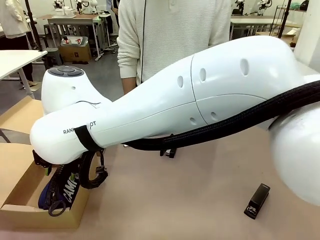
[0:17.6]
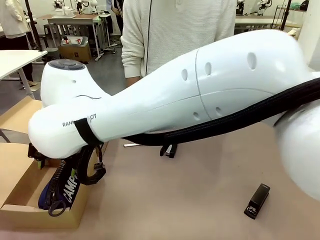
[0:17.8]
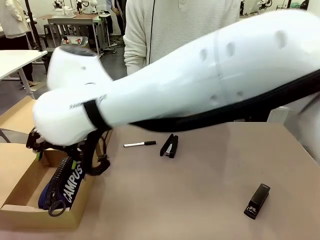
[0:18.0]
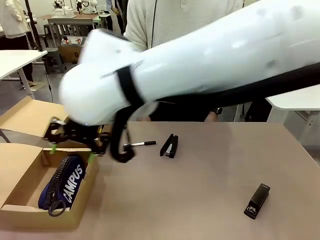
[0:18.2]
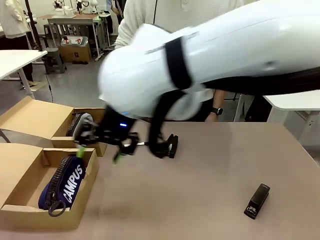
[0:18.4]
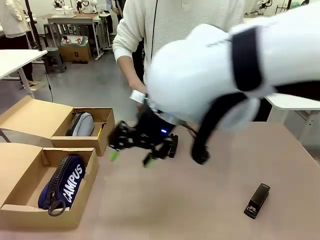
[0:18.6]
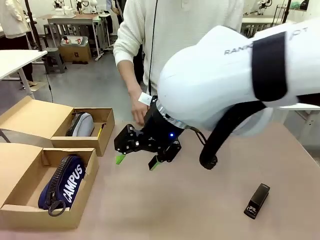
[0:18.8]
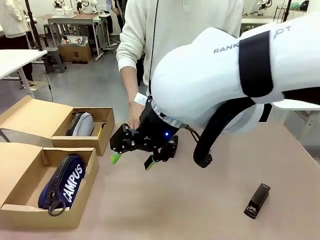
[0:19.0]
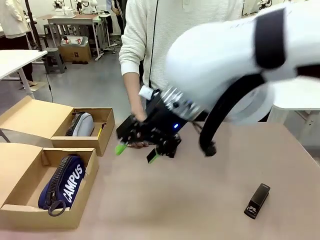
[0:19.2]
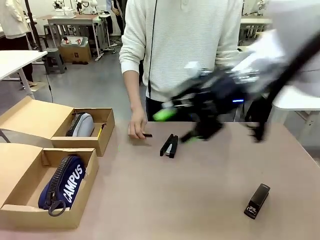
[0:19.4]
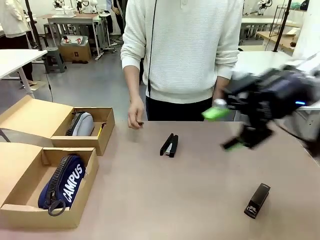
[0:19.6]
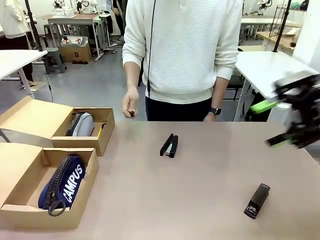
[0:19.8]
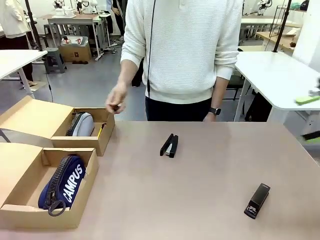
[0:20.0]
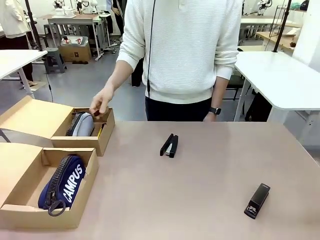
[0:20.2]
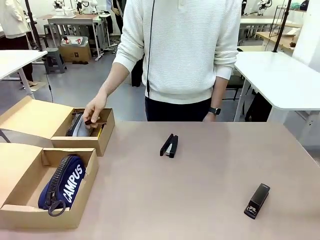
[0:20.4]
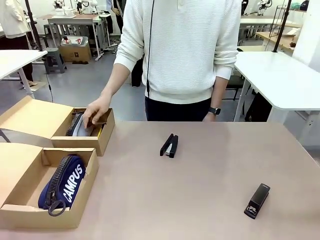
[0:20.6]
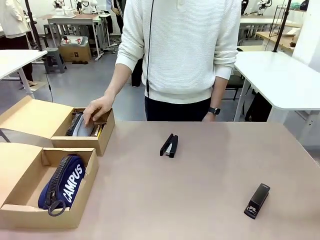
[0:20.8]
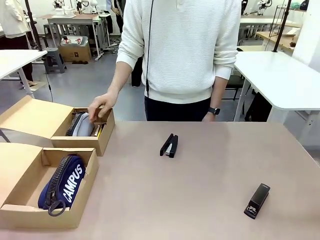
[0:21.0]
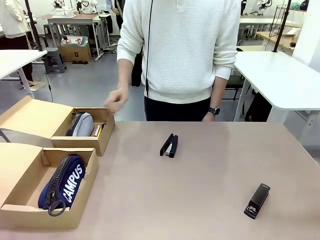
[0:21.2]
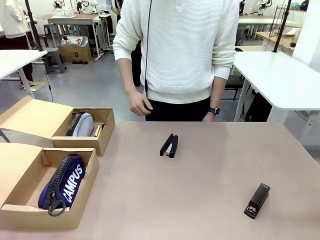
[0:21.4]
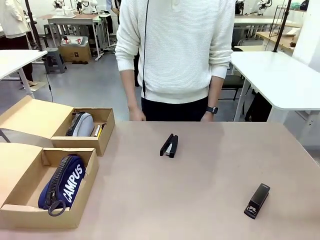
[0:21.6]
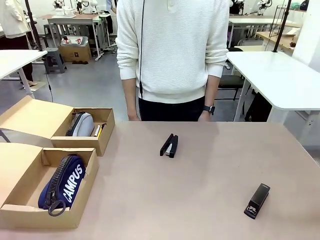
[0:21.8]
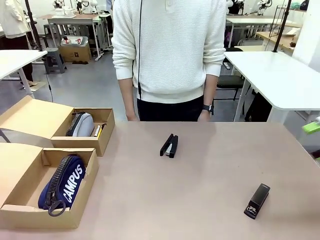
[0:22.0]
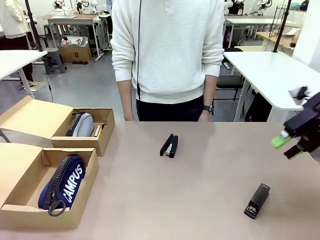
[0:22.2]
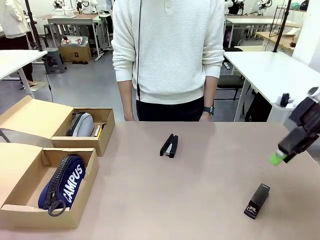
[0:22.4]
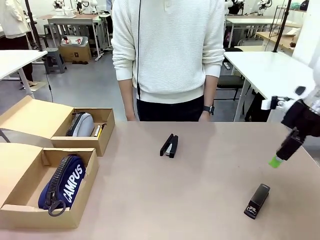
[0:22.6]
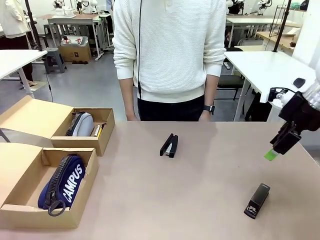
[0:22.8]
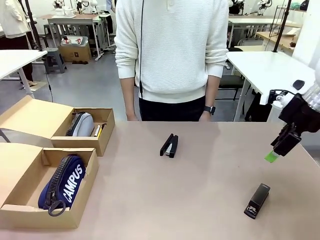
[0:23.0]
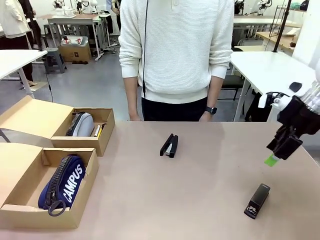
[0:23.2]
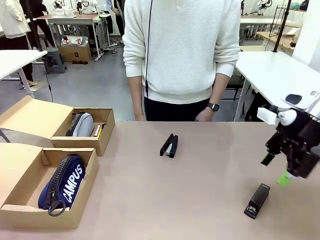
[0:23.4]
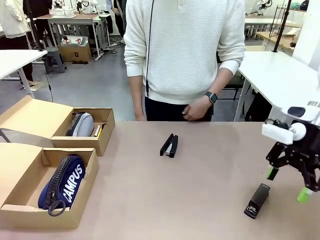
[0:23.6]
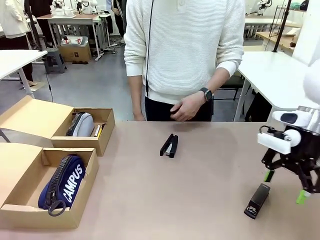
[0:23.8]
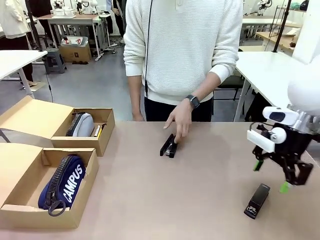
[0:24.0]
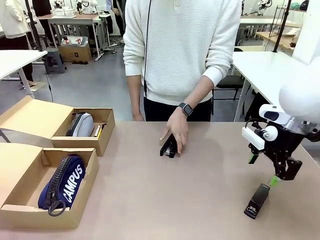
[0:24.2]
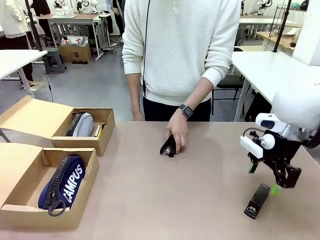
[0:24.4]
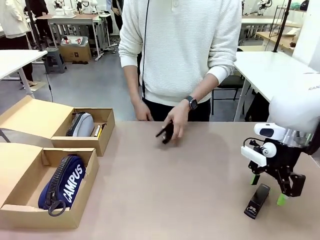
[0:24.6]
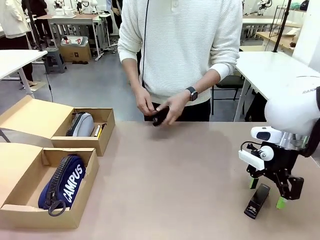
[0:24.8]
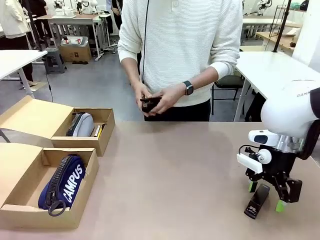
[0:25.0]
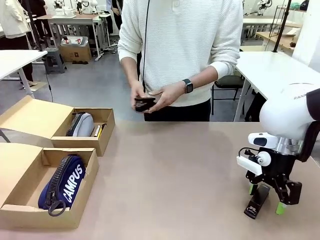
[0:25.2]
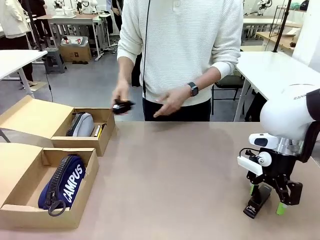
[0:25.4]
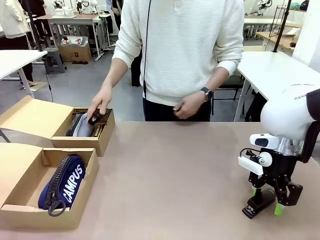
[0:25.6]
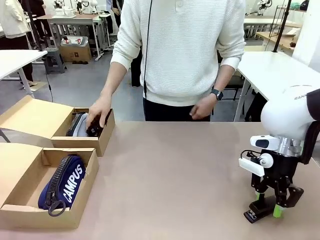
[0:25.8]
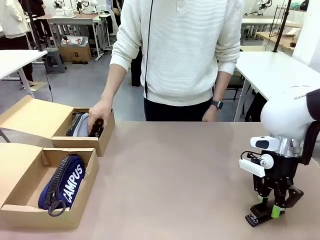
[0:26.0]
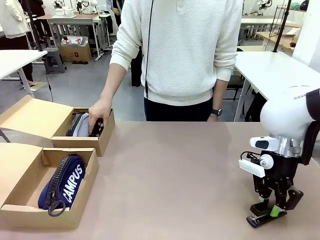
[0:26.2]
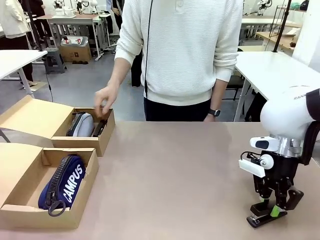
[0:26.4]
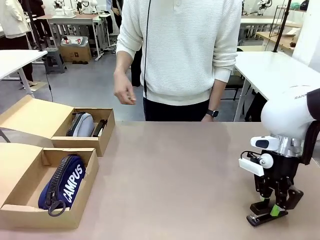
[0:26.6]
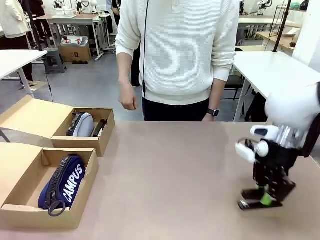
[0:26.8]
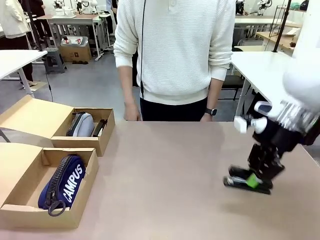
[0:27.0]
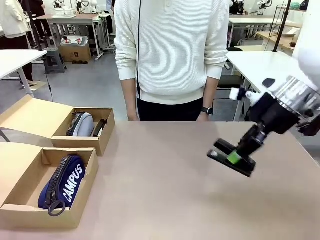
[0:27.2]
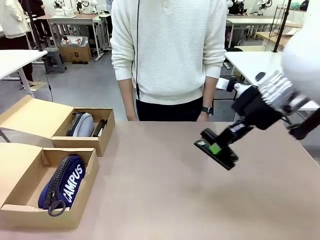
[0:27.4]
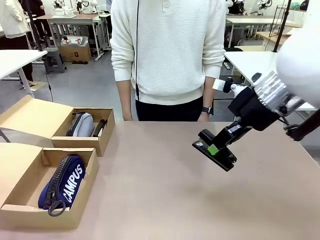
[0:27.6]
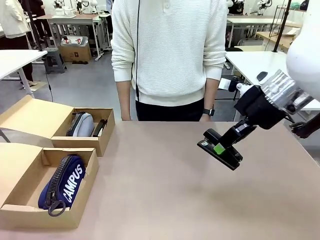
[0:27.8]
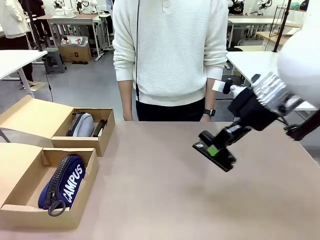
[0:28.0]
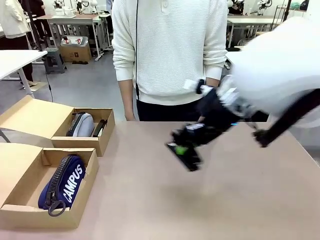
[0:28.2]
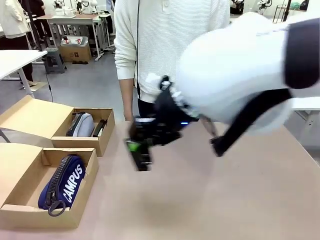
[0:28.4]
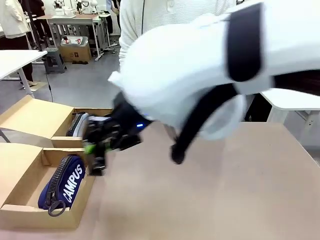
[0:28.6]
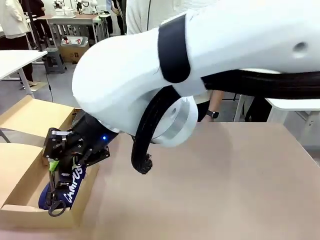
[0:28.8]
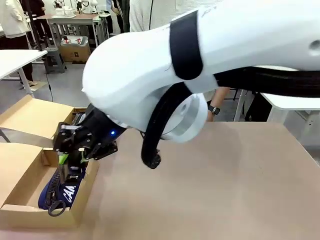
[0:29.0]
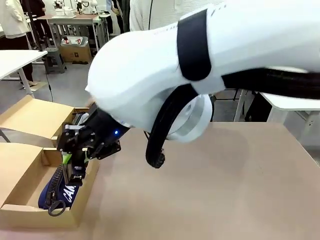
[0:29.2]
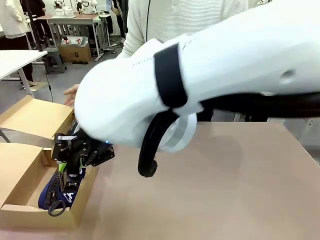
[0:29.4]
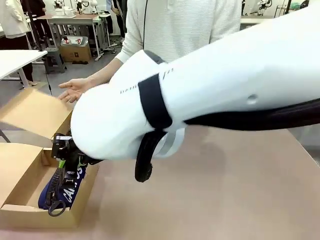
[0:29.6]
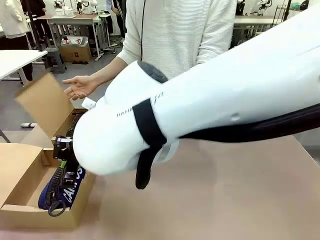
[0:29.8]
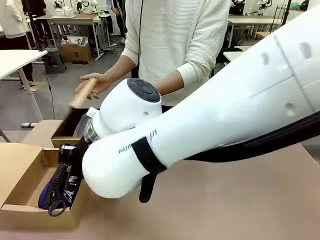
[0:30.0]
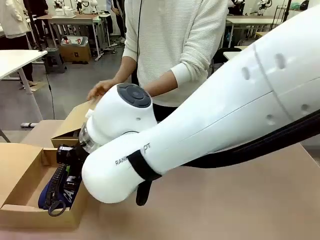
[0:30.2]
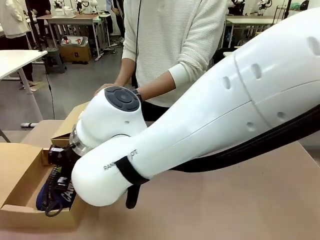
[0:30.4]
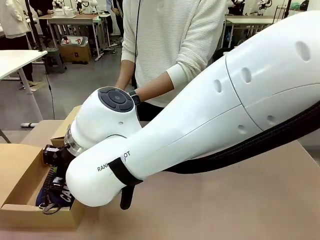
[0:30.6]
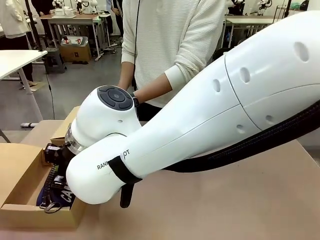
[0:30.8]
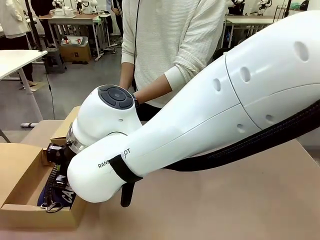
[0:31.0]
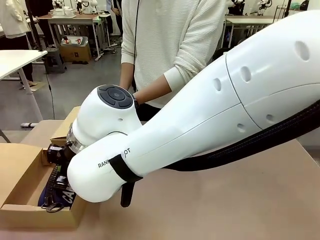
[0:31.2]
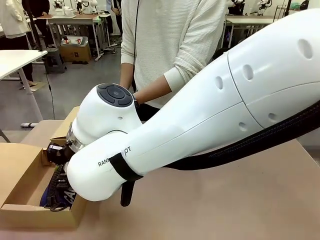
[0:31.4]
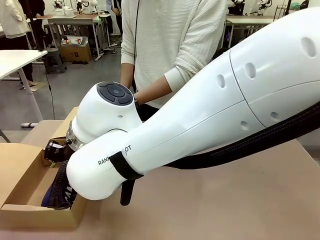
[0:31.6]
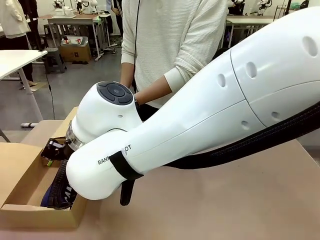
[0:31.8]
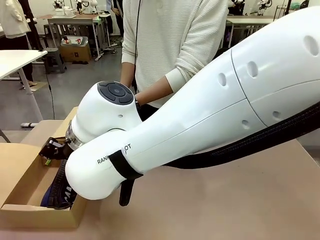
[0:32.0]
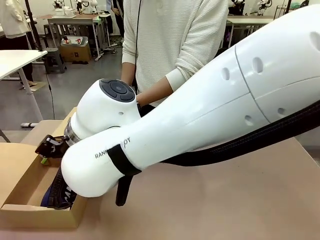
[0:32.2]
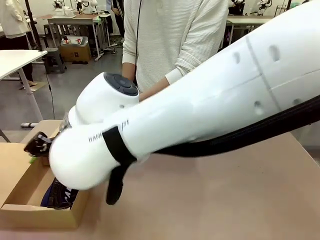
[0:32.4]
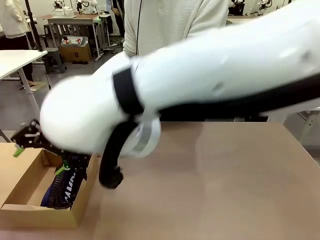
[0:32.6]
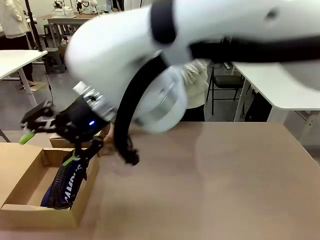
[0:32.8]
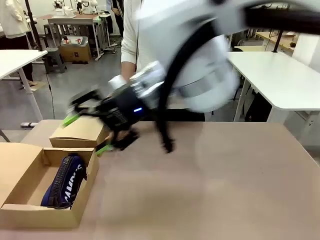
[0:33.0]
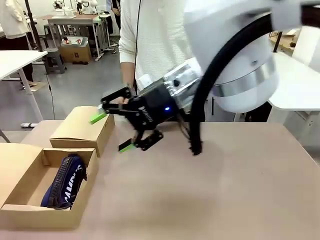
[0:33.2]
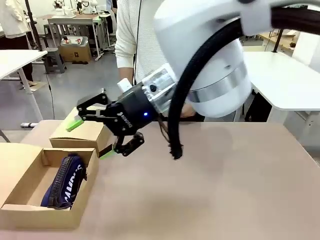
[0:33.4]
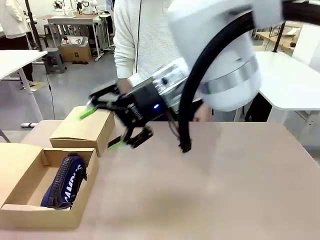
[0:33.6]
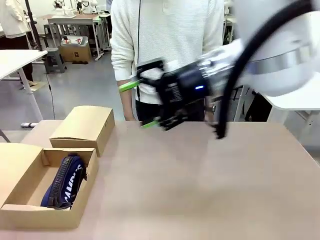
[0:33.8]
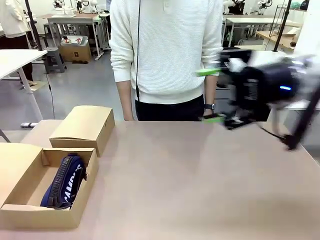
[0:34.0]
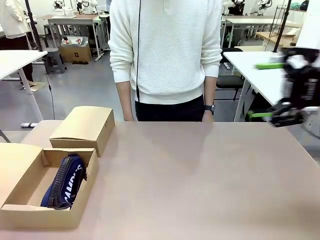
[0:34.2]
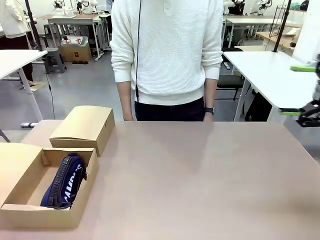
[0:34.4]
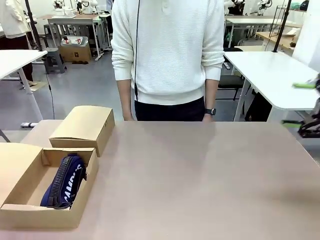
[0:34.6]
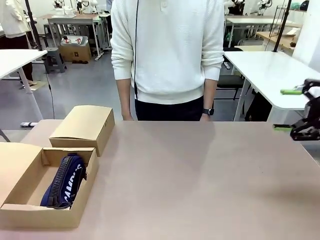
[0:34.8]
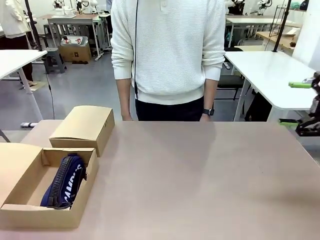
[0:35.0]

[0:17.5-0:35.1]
Task: Place items inside the box.
Robot: Pick up a Pencil pouch or Stapler and place it inside the Mailer Box closest to the robot.
